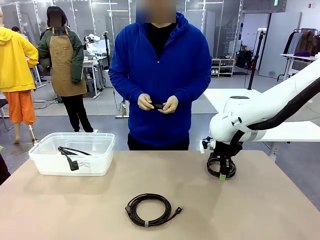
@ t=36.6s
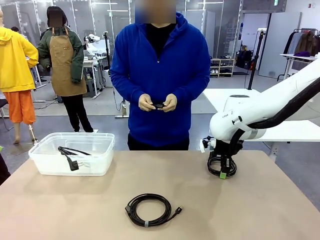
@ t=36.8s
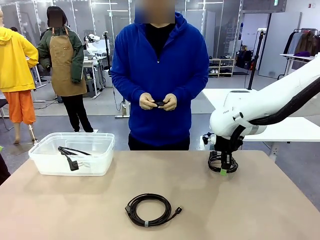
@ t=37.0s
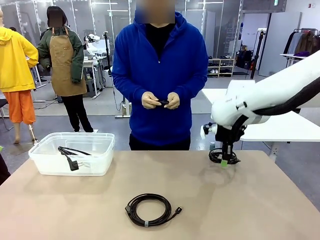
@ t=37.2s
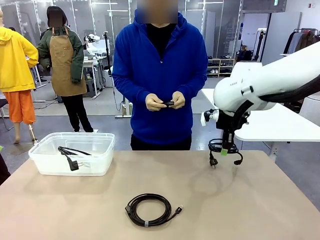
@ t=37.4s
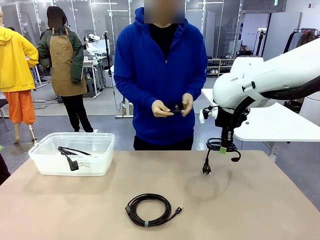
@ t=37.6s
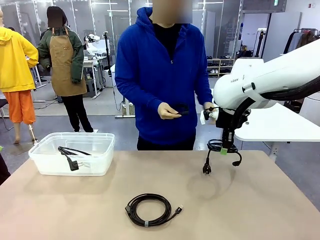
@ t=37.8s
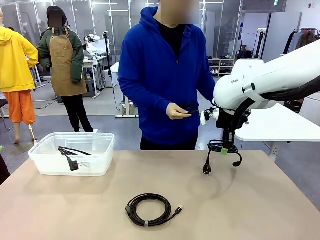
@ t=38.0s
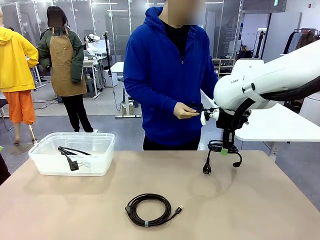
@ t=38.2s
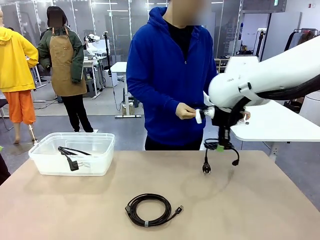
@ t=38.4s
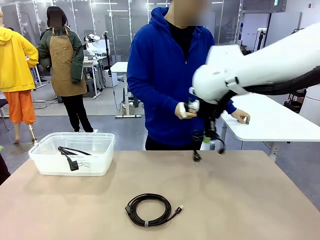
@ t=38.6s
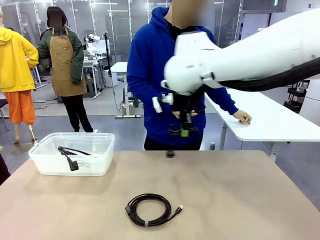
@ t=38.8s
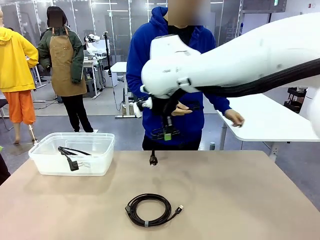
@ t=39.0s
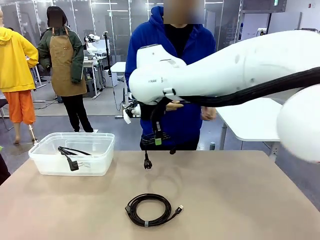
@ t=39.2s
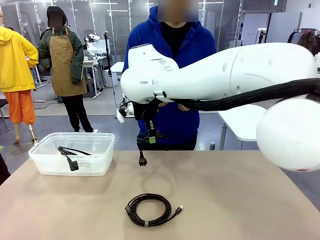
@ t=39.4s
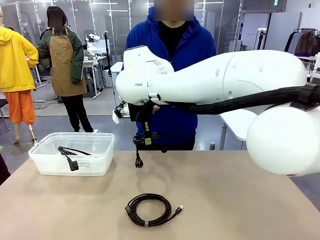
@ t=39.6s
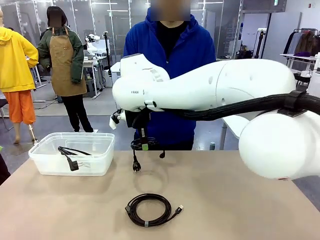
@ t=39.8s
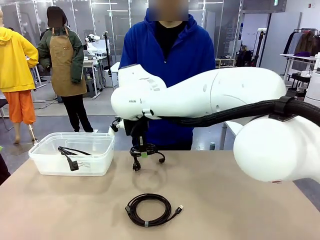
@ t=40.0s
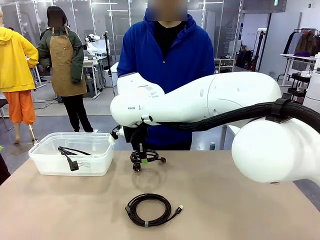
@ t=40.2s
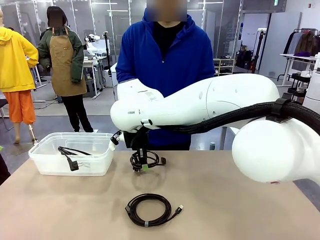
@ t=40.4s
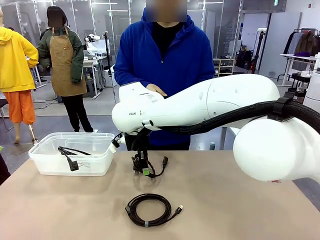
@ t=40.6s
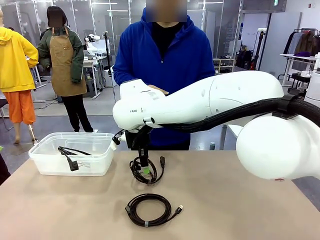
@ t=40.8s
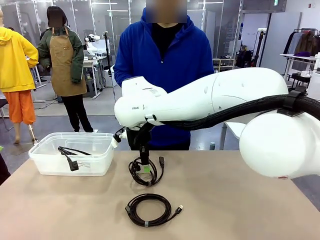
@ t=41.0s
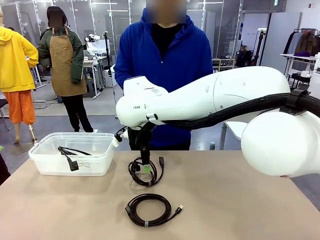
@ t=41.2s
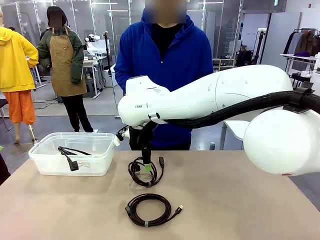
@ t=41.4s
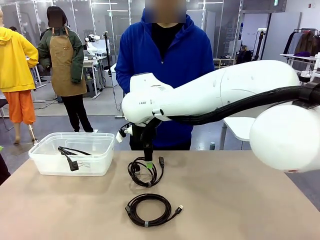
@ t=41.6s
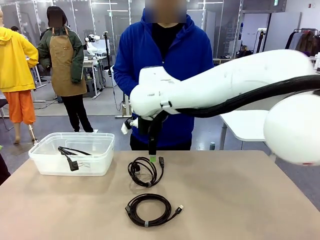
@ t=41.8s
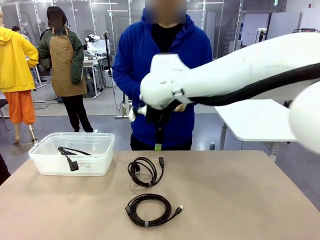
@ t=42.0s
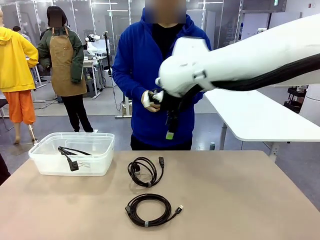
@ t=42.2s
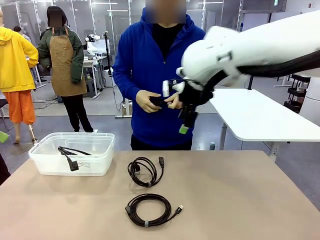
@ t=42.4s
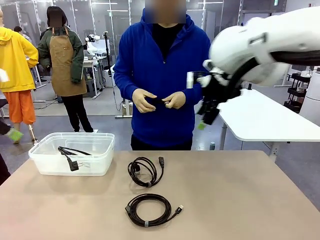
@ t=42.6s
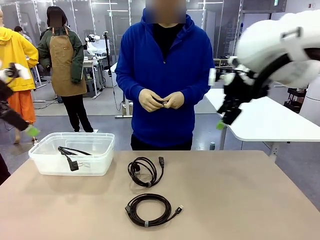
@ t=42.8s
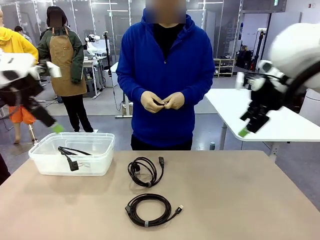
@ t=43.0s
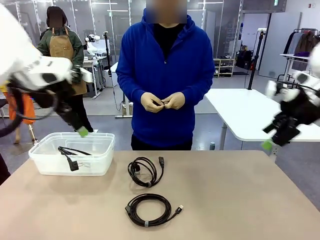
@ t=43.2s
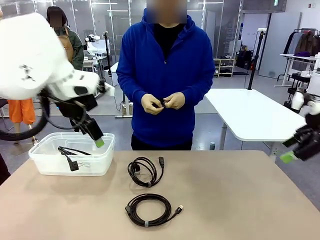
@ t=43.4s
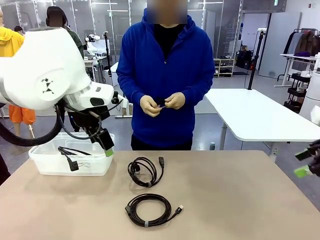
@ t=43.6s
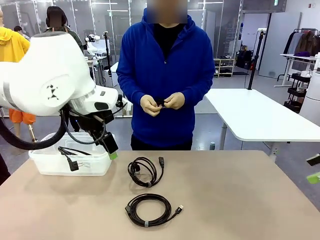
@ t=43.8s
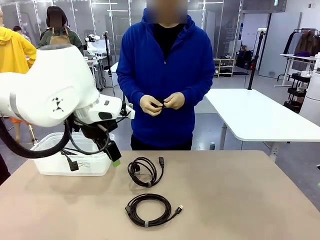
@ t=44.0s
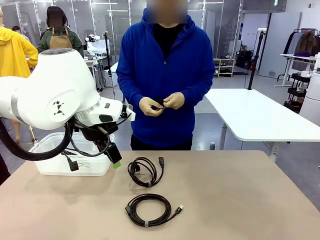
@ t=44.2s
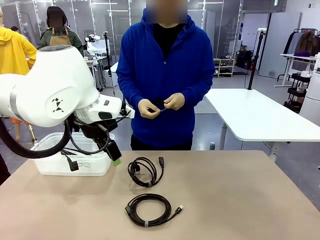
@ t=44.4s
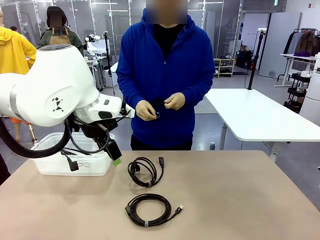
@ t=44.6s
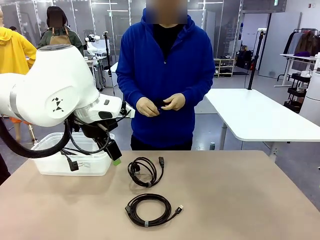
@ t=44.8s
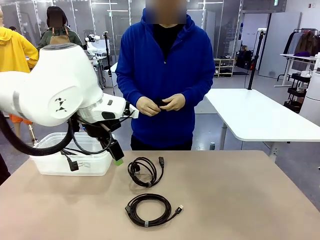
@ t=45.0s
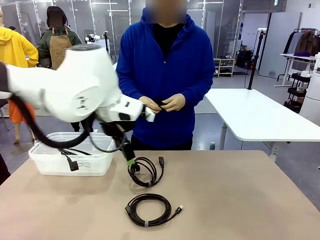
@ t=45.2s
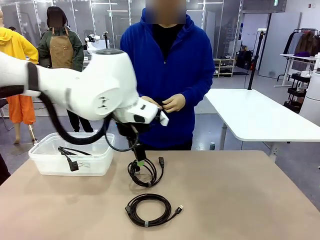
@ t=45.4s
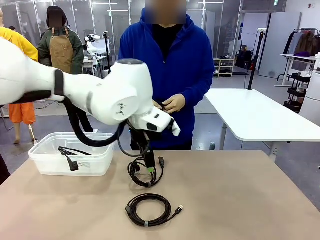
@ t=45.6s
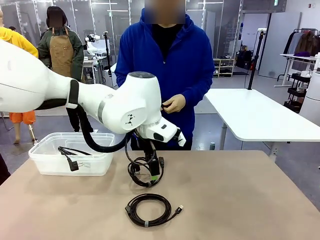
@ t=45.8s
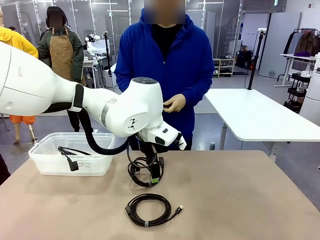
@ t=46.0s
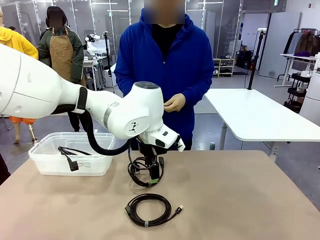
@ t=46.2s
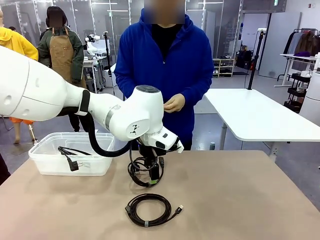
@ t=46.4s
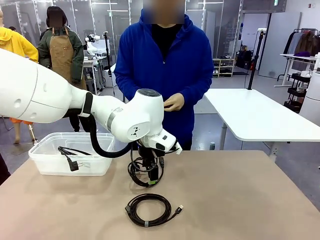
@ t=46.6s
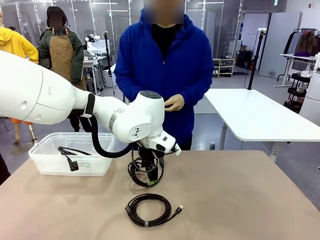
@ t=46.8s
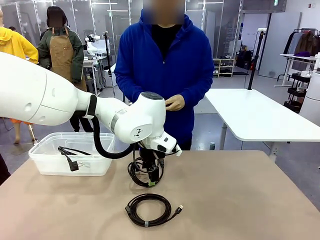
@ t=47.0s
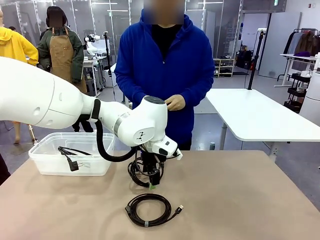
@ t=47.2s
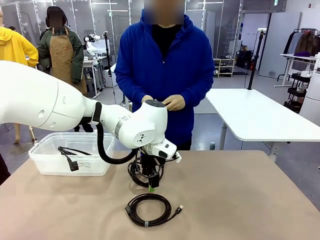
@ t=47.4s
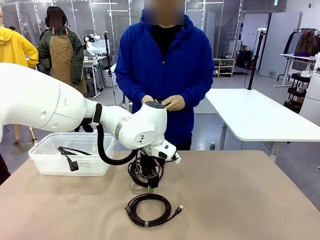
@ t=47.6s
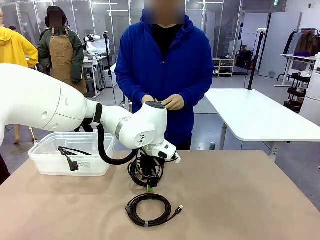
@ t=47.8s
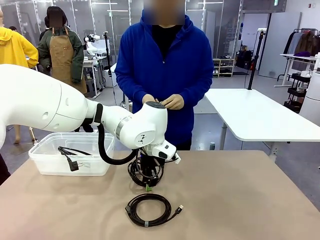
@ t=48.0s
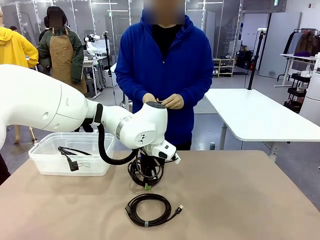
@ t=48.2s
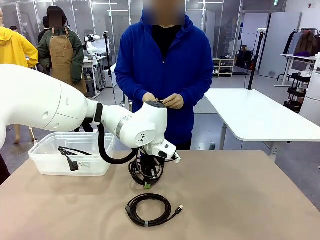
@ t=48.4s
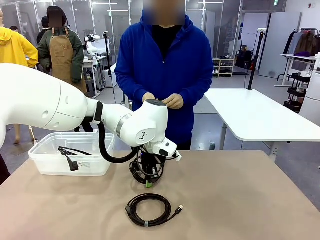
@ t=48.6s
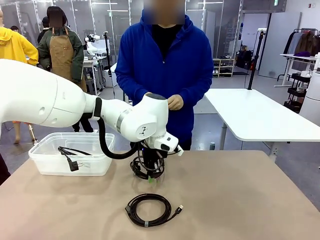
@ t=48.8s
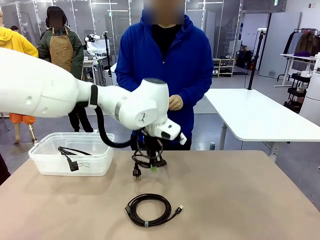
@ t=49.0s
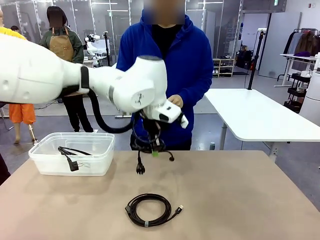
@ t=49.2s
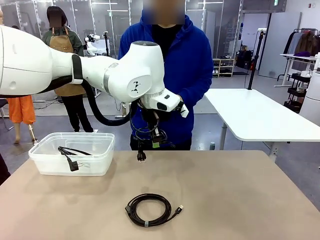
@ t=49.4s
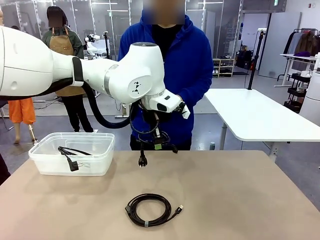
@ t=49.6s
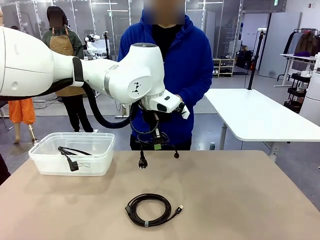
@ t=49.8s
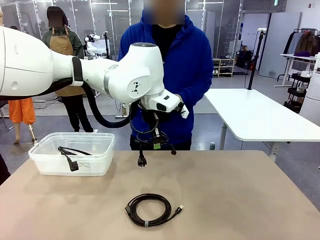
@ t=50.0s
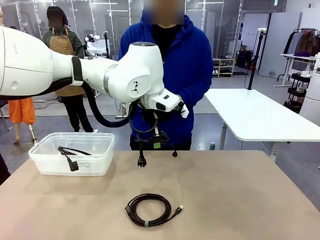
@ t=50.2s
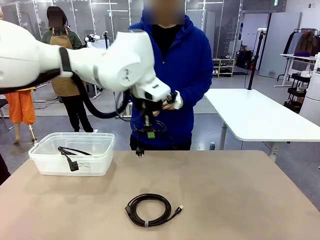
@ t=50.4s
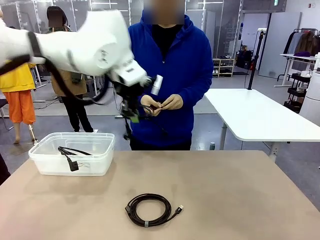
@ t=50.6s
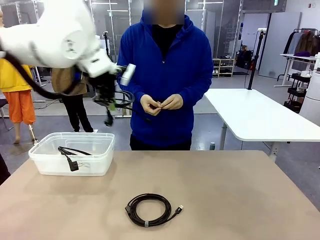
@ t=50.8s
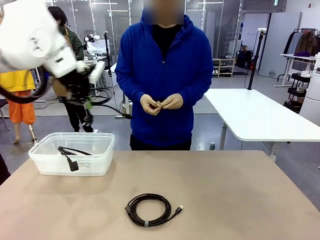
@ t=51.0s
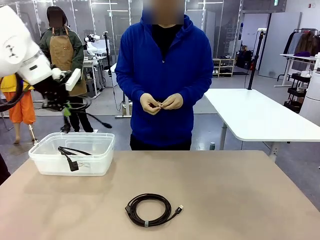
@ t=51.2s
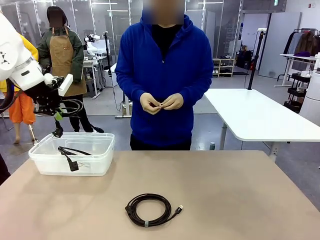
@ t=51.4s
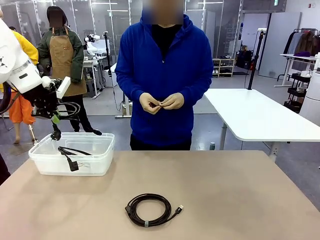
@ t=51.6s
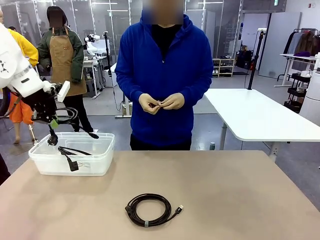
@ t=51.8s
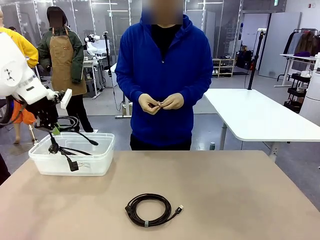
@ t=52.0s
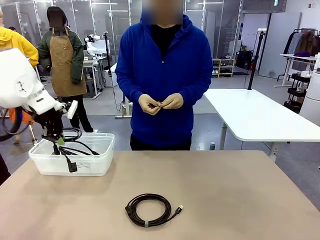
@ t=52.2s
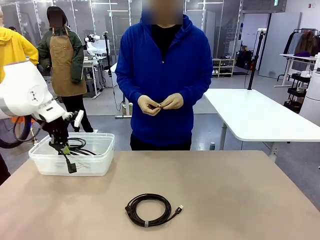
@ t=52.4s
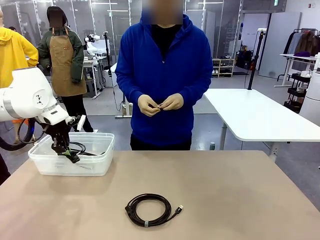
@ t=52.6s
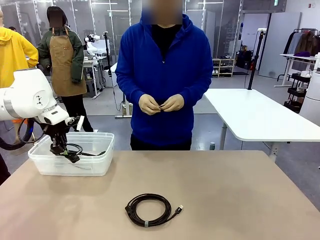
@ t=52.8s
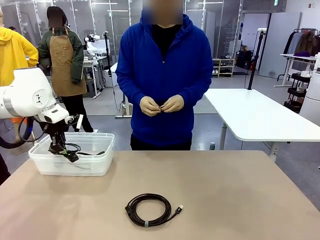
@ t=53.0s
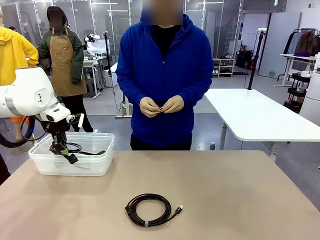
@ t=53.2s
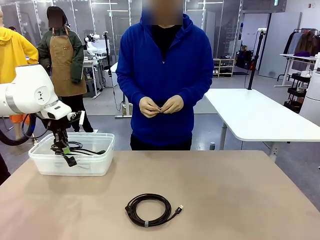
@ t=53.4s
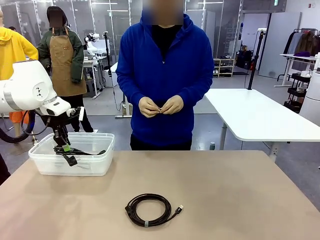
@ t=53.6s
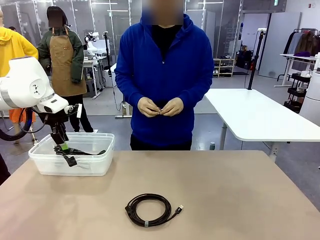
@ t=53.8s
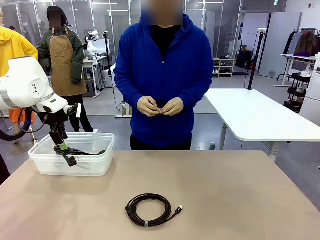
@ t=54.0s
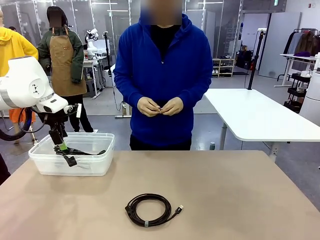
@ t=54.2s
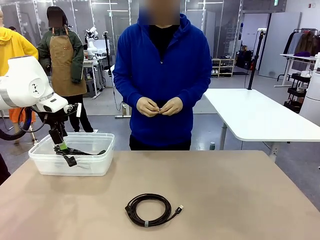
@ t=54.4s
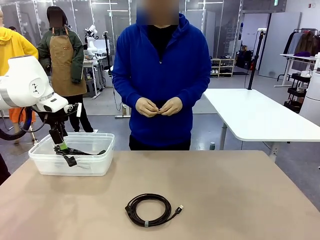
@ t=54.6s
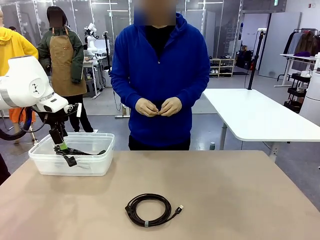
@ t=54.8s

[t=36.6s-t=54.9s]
Task: Organize and store the cables.
Robot: Place the Power Cable into the Organizing box.
